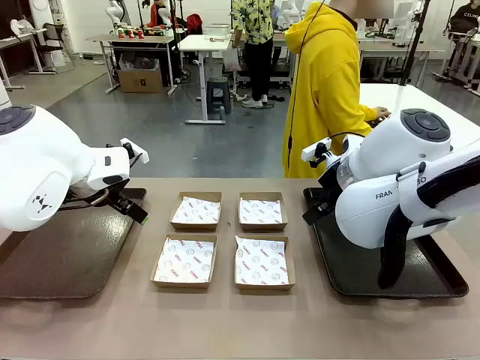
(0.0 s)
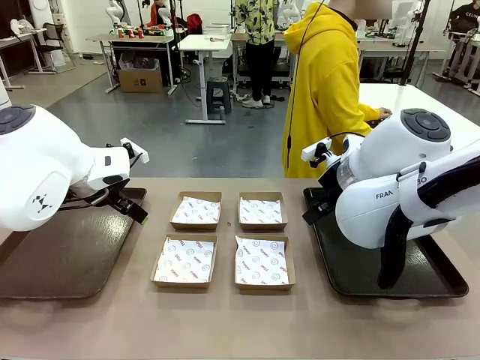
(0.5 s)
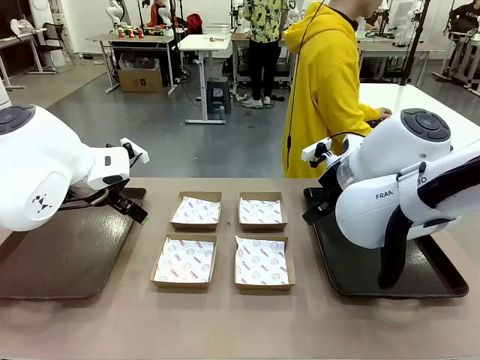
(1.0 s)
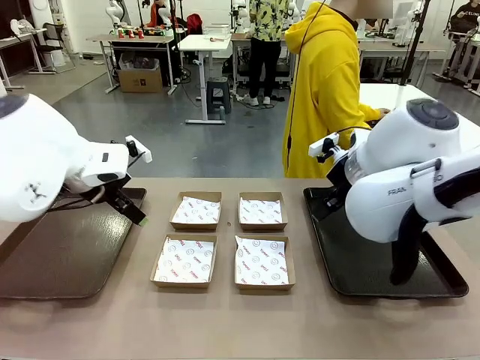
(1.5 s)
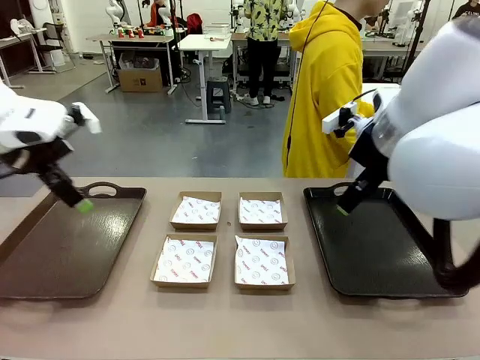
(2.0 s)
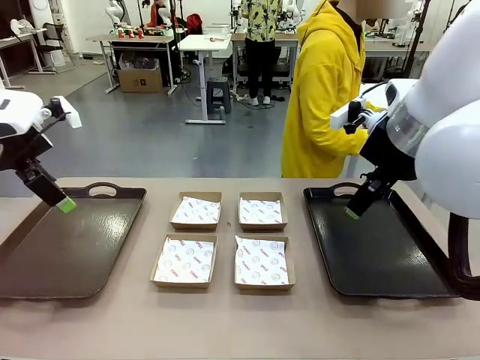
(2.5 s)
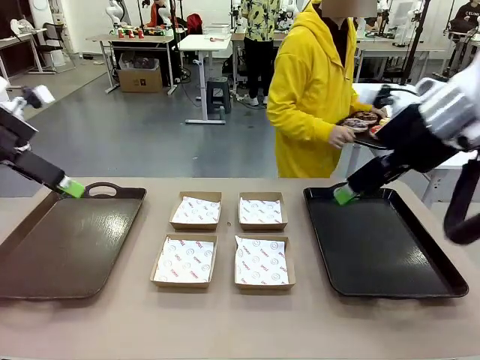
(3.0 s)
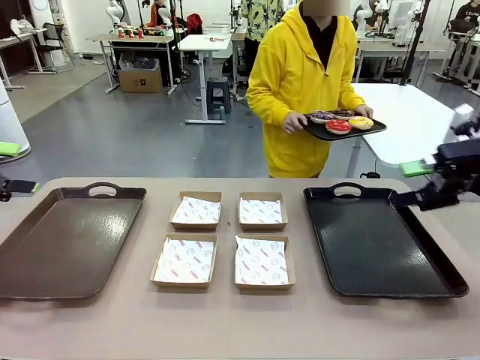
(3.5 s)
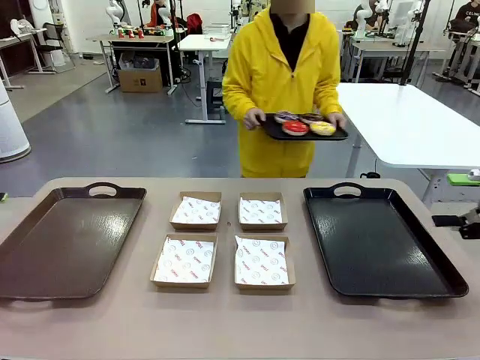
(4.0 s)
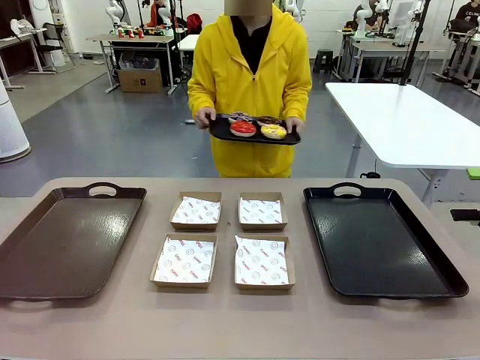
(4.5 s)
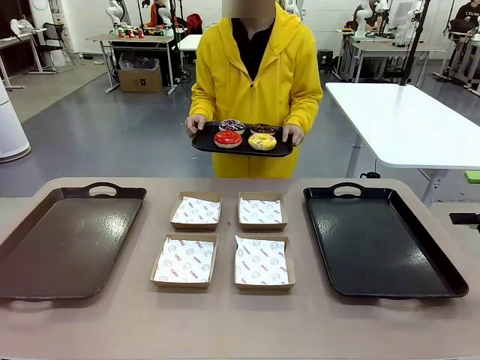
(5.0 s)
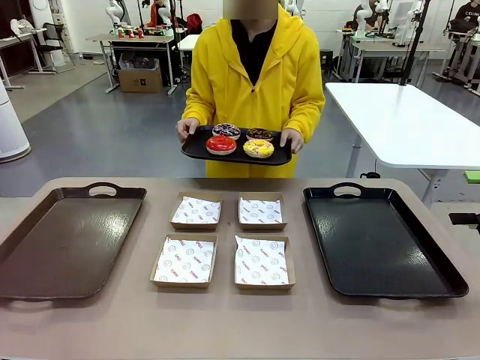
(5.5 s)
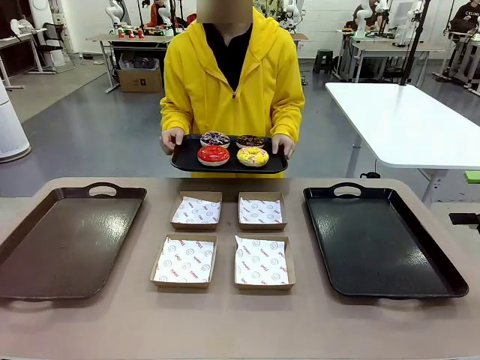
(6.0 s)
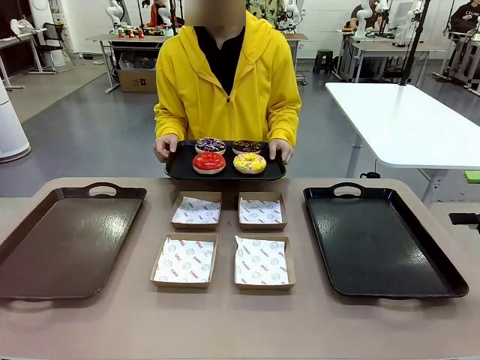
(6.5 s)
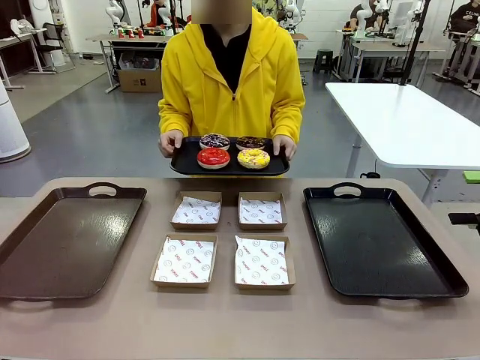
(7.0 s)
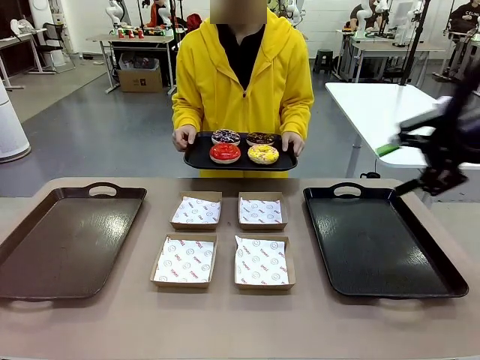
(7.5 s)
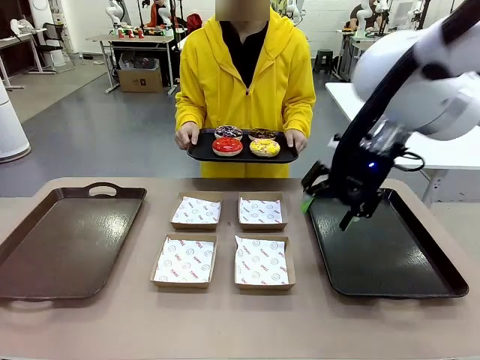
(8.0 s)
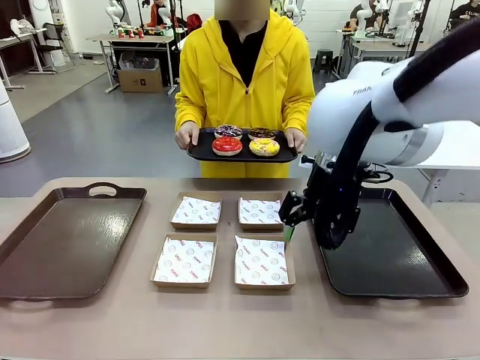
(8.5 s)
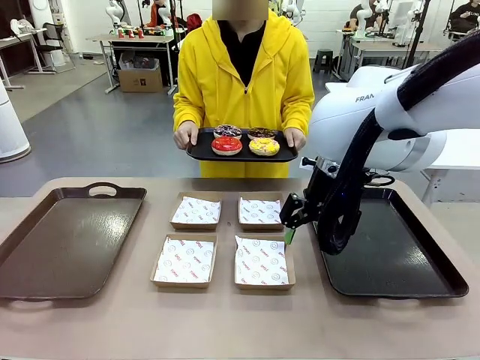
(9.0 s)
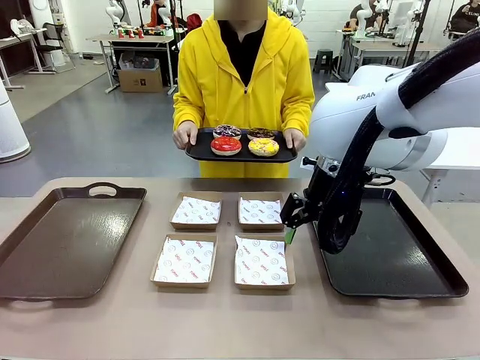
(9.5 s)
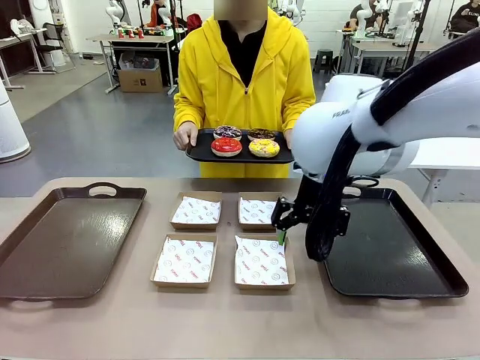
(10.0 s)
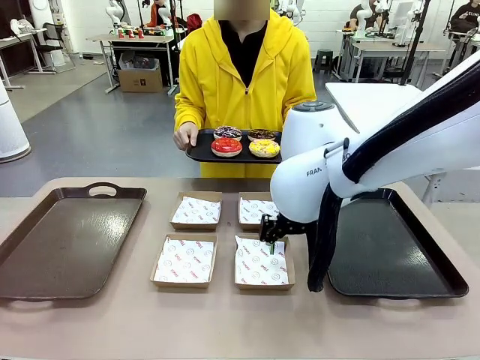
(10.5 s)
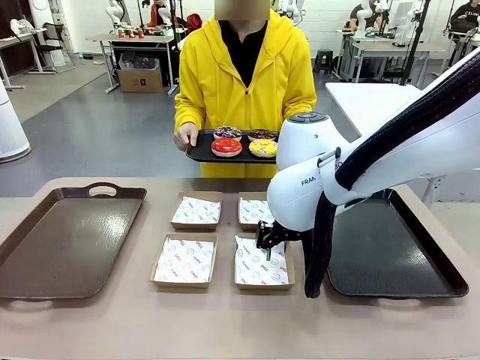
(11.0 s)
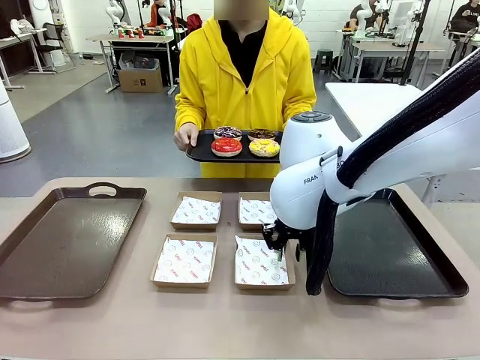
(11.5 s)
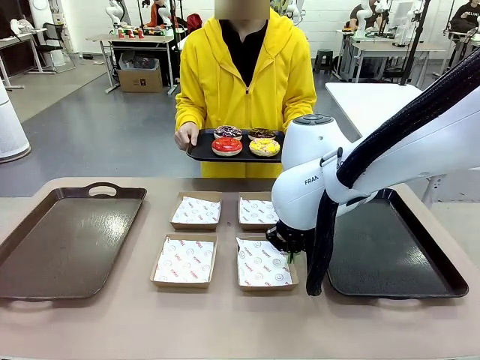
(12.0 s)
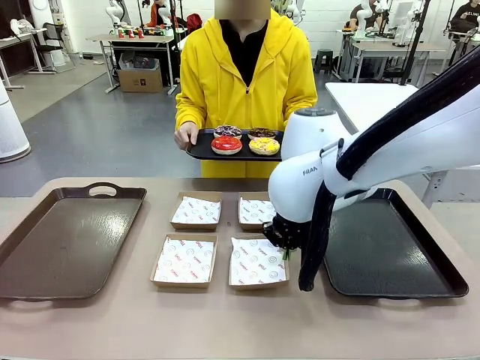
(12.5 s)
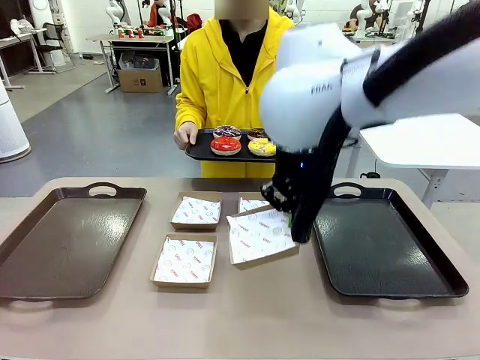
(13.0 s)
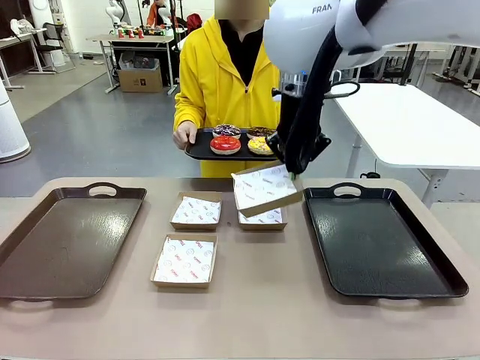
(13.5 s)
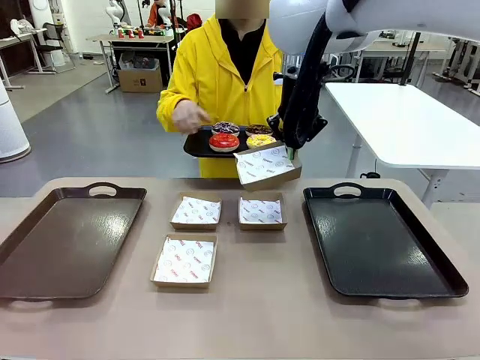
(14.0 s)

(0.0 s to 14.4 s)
Task: Individually package the donuts and arrange them on the tray.
Robot: Pick up one Paper togo box.
Person: Stand in front of the robot table holding the tray containing the donuts.

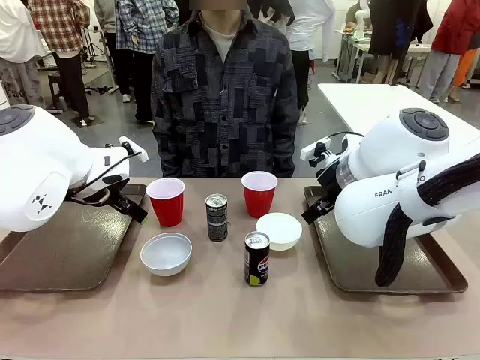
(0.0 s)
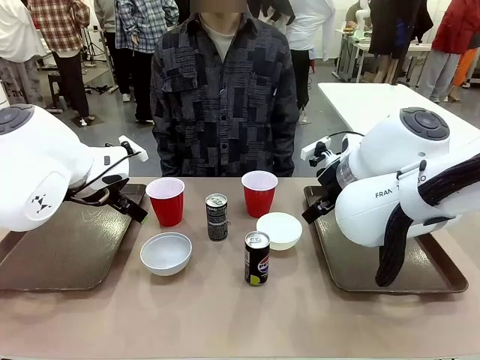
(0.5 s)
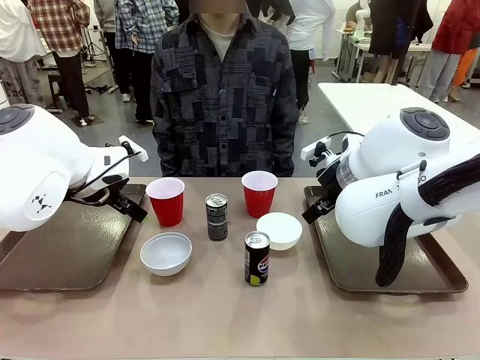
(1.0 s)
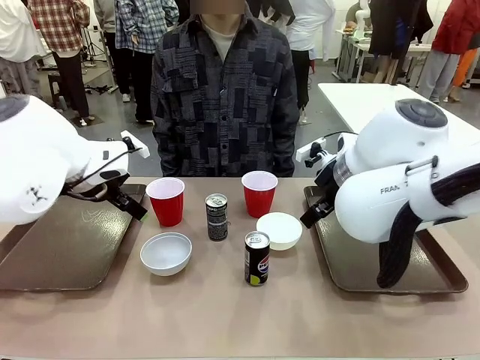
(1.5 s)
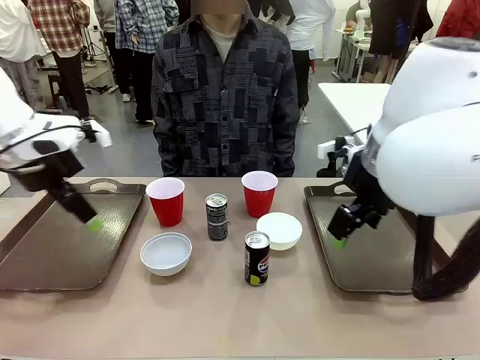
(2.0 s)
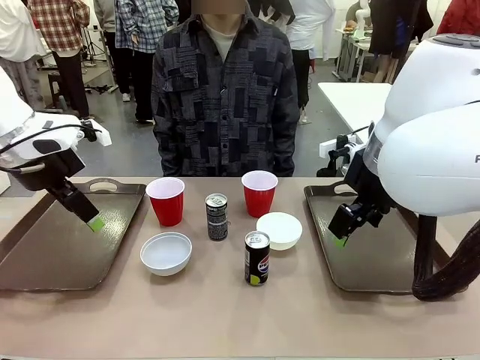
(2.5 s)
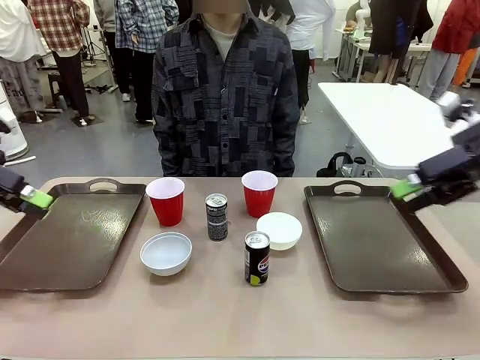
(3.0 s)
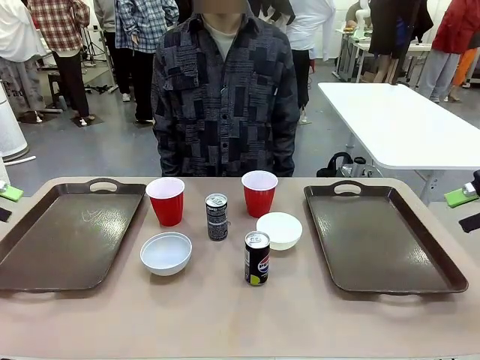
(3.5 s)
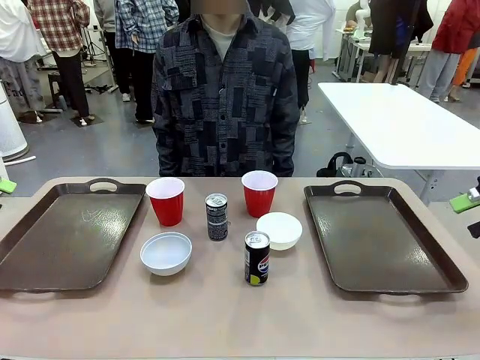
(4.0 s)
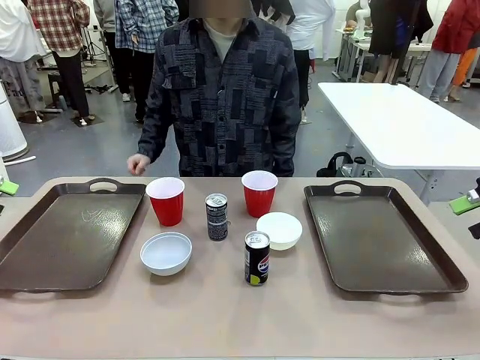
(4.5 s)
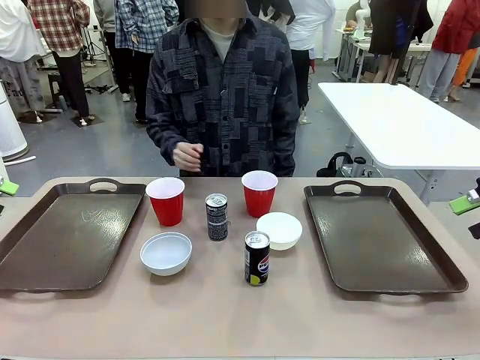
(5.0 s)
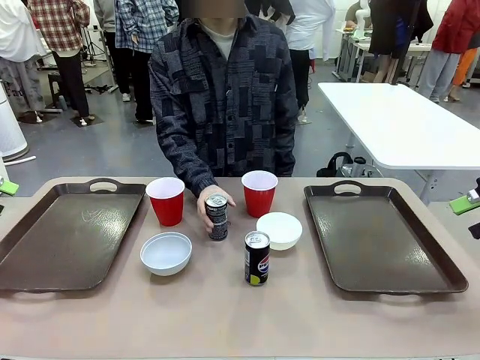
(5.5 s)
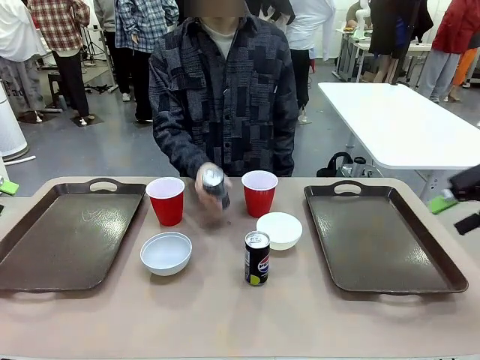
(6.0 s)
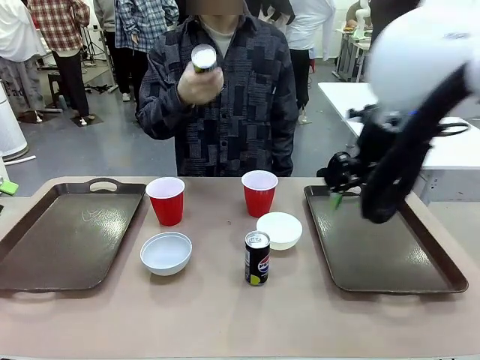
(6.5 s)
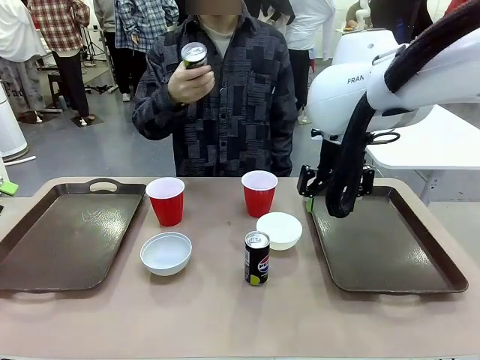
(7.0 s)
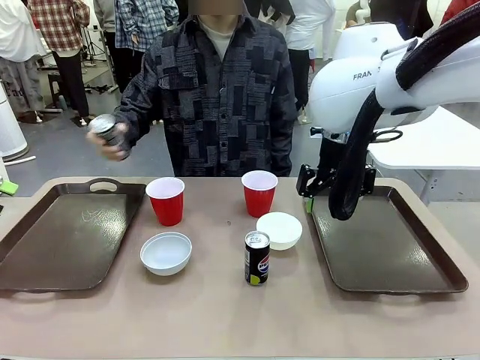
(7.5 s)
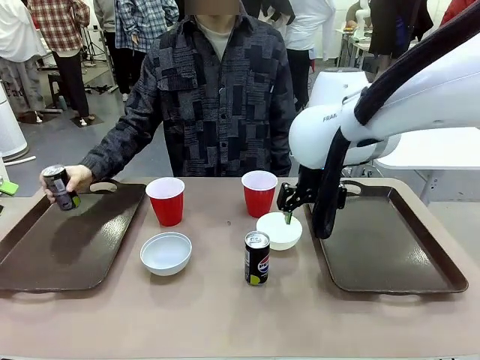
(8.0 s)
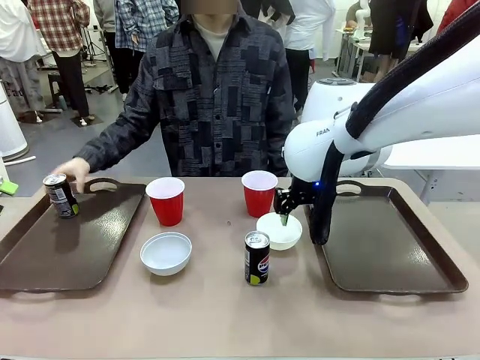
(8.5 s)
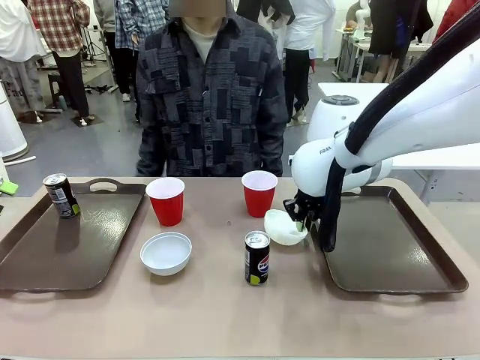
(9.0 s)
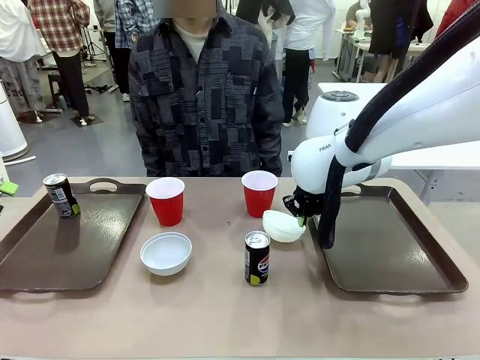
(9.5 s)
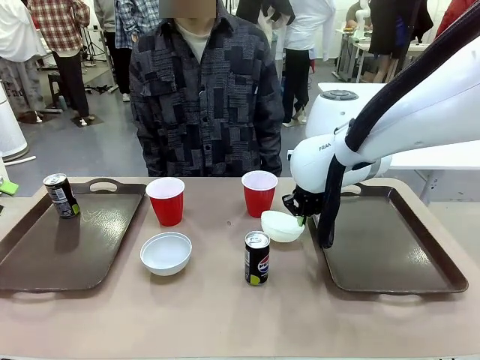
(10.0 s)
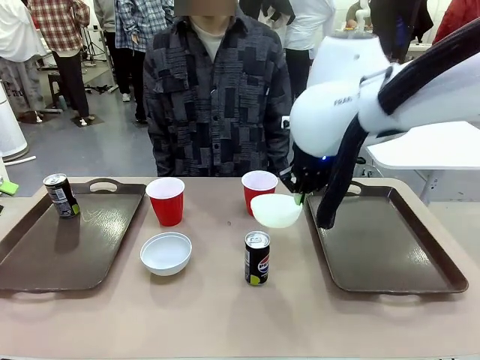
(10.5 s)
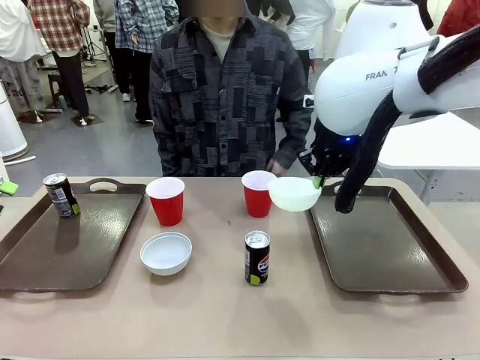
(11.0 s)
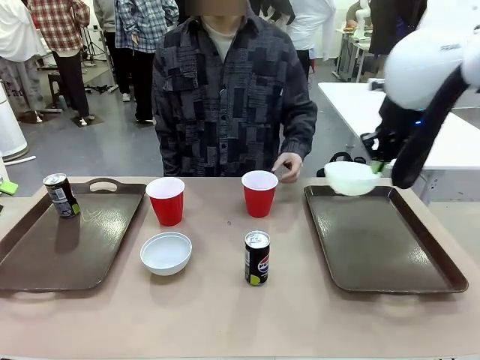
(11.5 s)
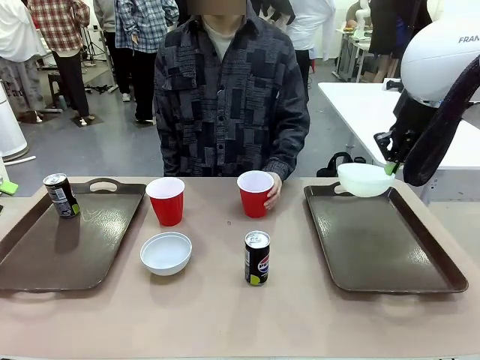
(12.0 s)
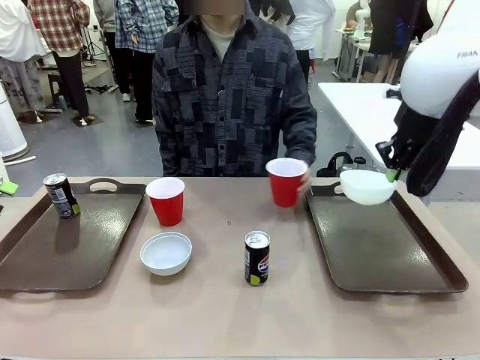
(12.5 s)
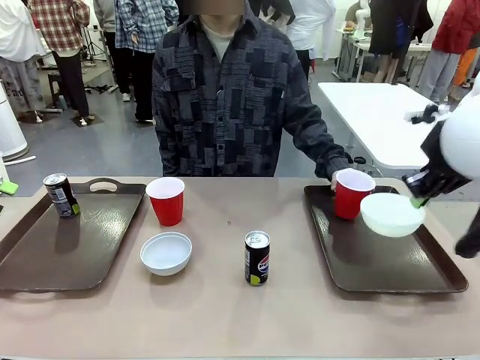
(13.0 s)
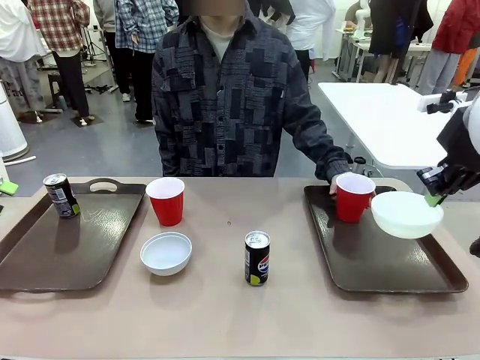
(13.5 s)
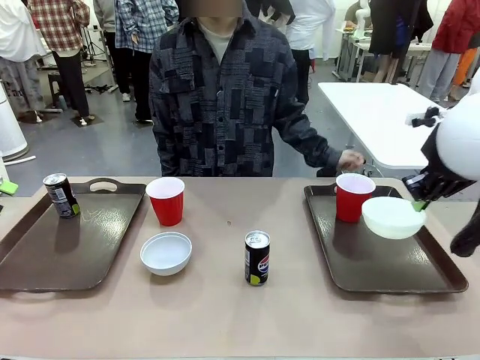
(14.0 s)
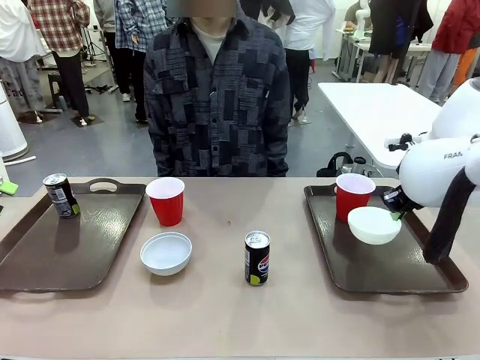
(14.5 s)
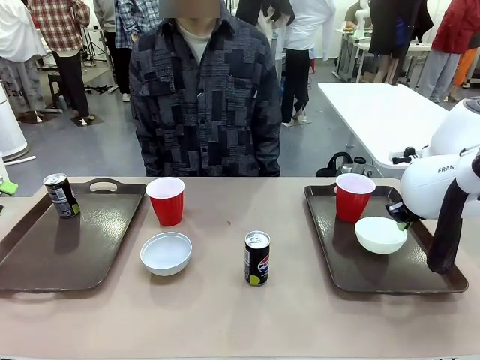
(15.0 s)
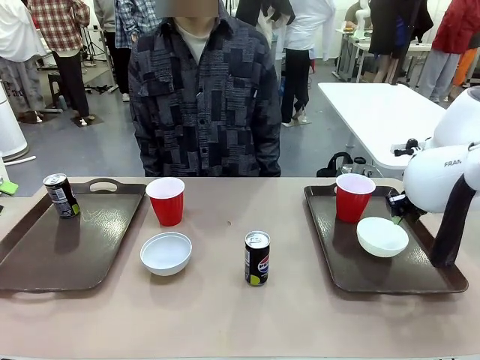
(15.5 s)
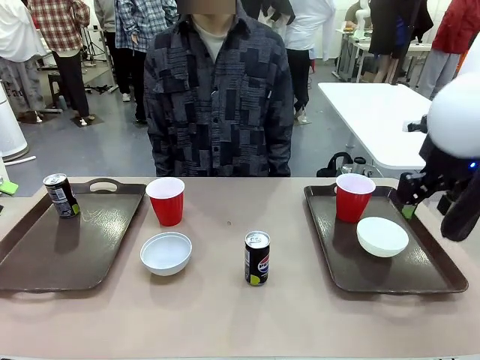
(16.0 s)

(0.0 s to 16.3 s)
Task: Prepare tableware on both trays.
Robot: Pick up a Picnic Bowl from the table and place it on a Handle tray.
Person: Pick up a can or cup and place it on the tray.
